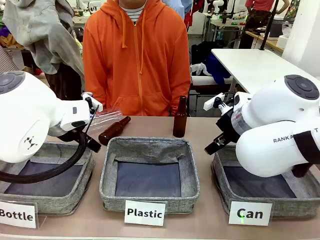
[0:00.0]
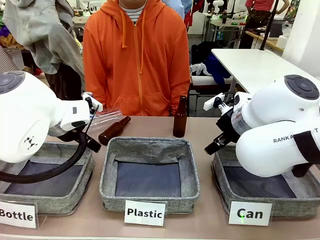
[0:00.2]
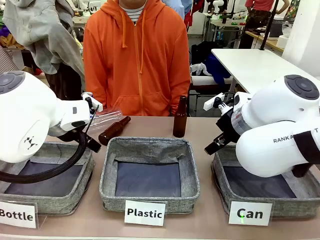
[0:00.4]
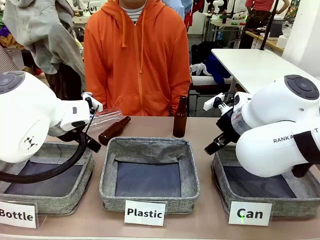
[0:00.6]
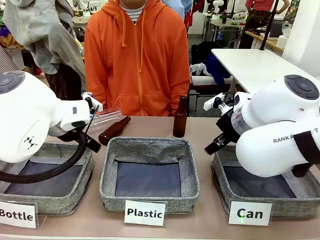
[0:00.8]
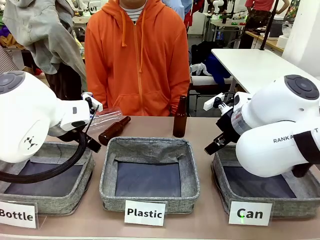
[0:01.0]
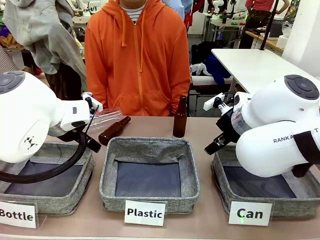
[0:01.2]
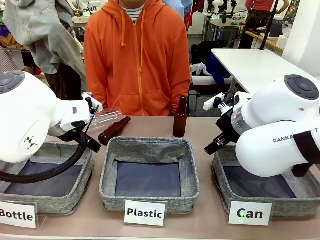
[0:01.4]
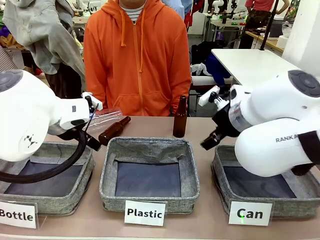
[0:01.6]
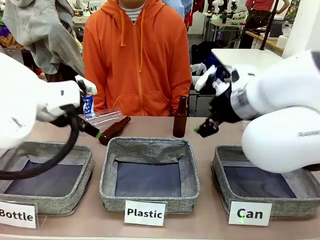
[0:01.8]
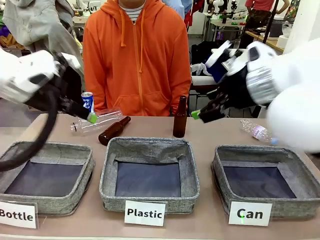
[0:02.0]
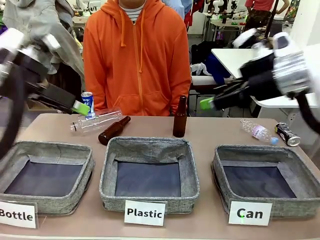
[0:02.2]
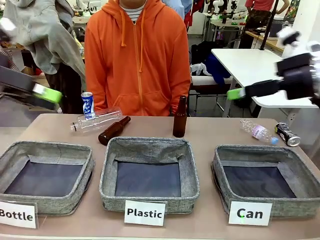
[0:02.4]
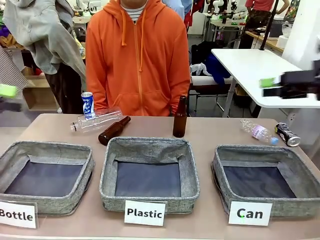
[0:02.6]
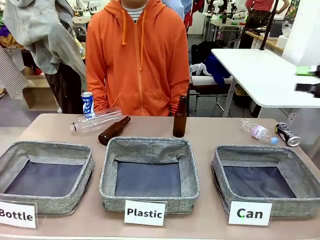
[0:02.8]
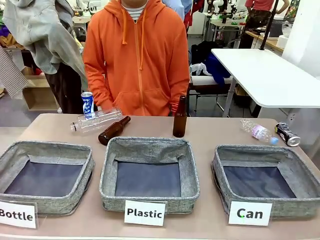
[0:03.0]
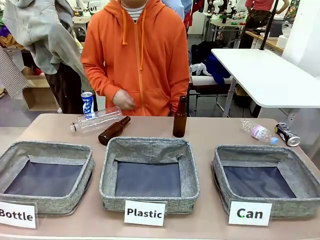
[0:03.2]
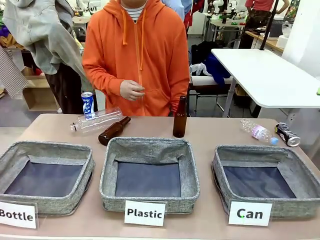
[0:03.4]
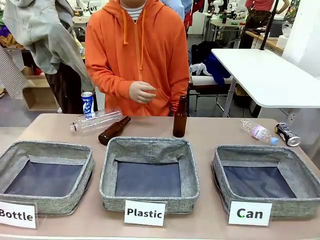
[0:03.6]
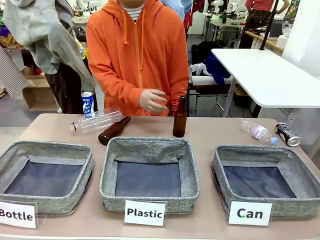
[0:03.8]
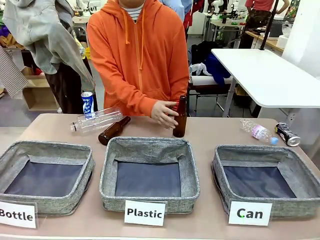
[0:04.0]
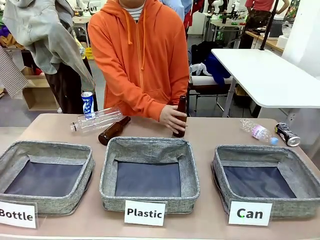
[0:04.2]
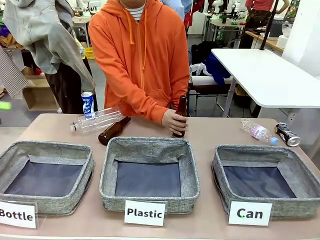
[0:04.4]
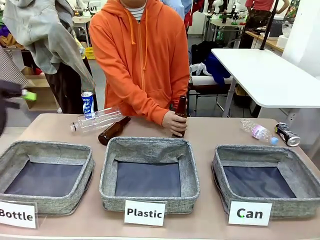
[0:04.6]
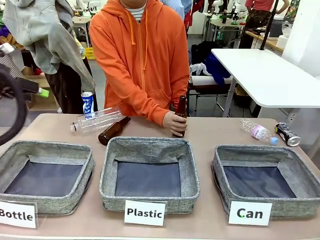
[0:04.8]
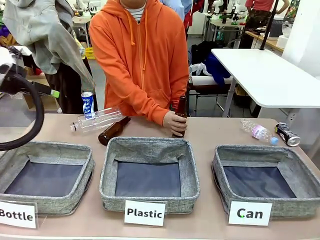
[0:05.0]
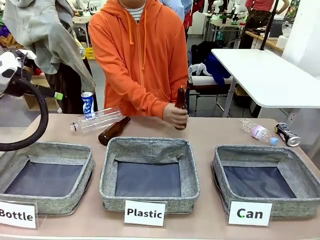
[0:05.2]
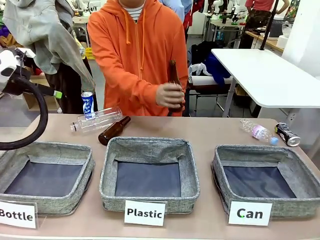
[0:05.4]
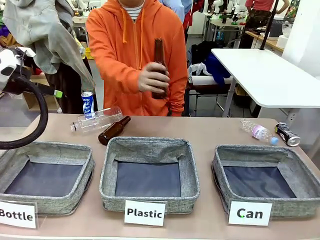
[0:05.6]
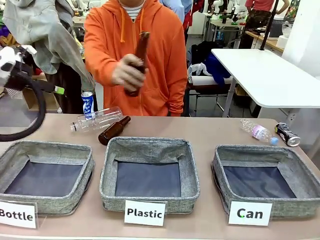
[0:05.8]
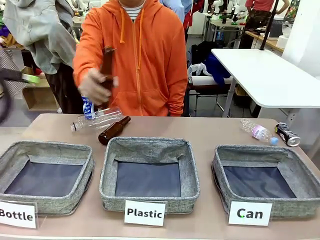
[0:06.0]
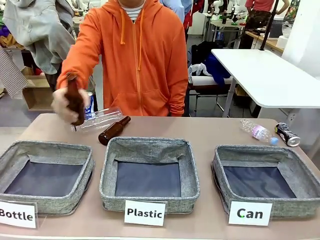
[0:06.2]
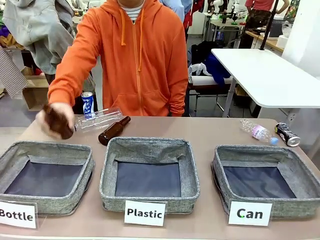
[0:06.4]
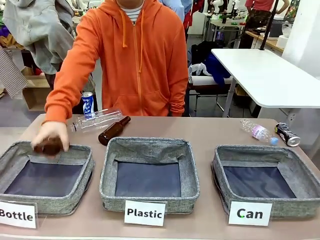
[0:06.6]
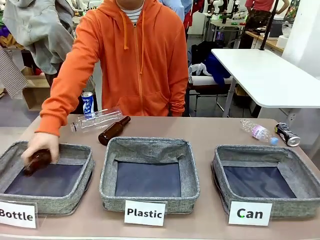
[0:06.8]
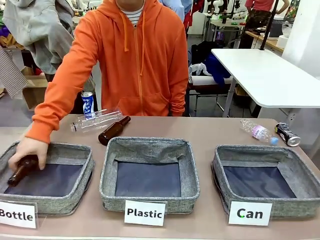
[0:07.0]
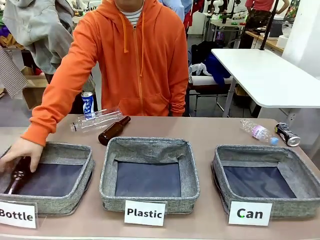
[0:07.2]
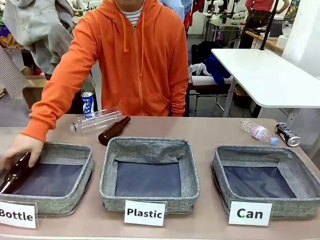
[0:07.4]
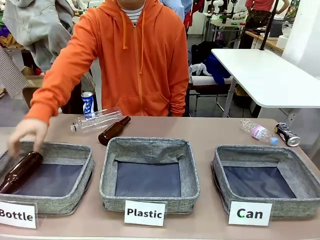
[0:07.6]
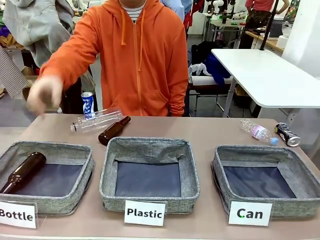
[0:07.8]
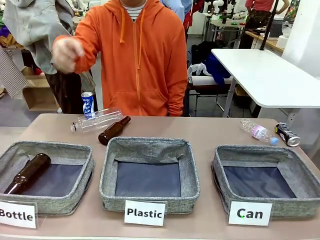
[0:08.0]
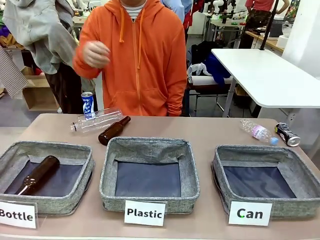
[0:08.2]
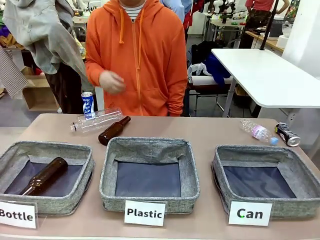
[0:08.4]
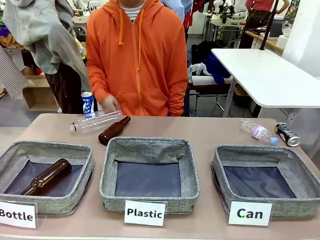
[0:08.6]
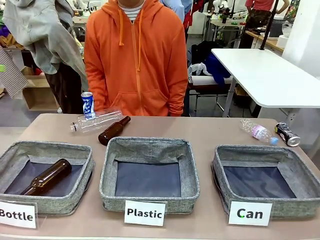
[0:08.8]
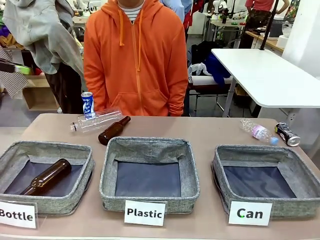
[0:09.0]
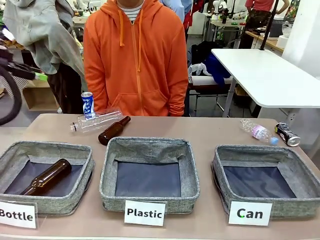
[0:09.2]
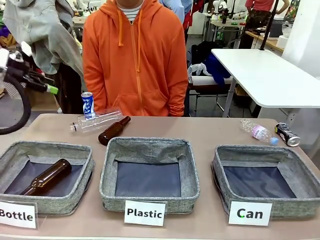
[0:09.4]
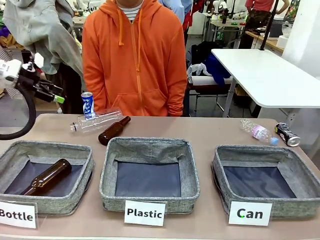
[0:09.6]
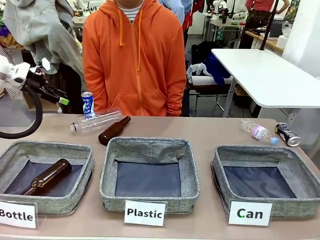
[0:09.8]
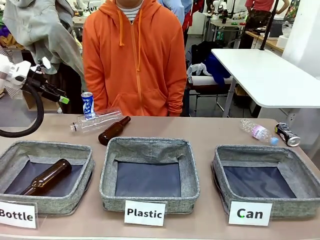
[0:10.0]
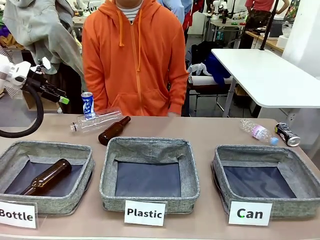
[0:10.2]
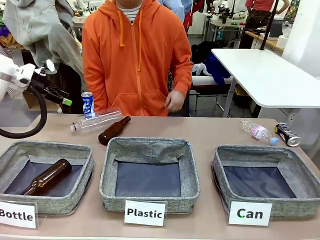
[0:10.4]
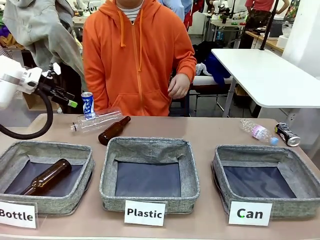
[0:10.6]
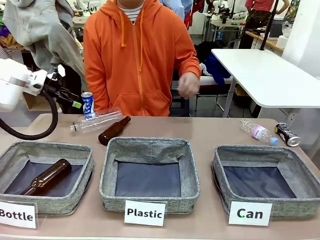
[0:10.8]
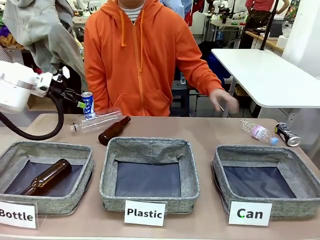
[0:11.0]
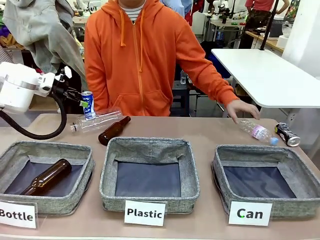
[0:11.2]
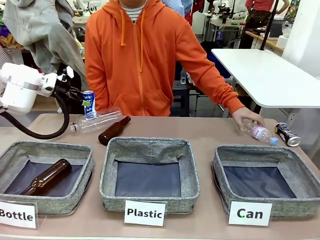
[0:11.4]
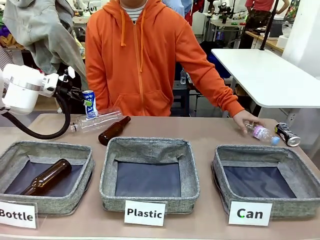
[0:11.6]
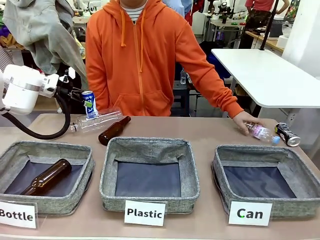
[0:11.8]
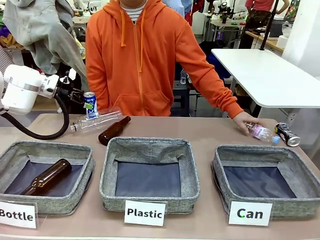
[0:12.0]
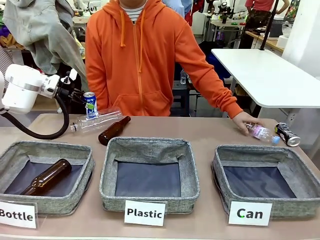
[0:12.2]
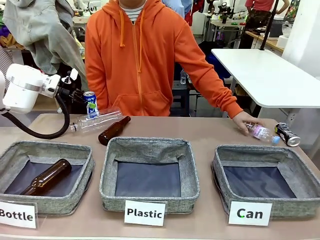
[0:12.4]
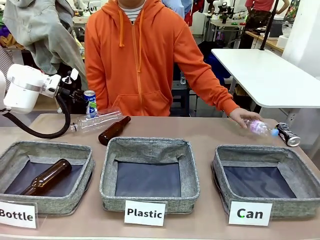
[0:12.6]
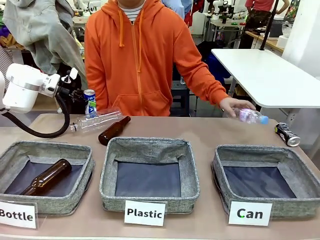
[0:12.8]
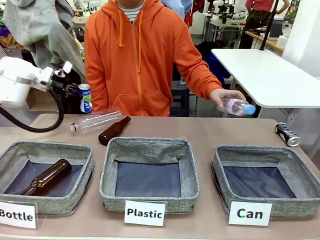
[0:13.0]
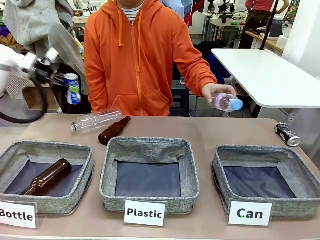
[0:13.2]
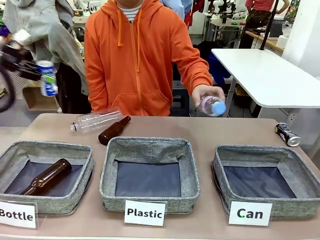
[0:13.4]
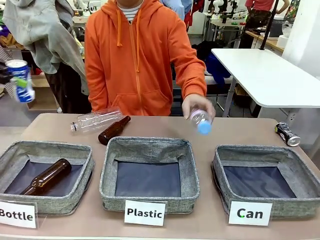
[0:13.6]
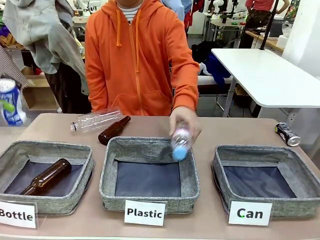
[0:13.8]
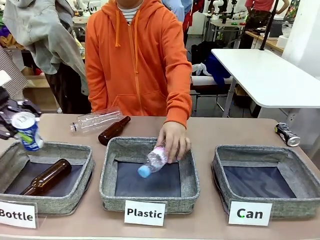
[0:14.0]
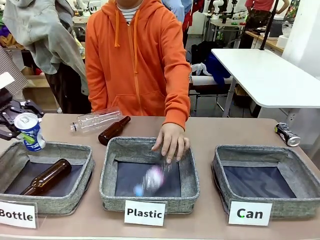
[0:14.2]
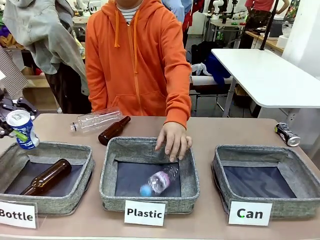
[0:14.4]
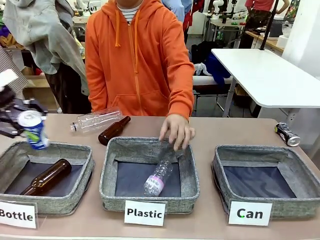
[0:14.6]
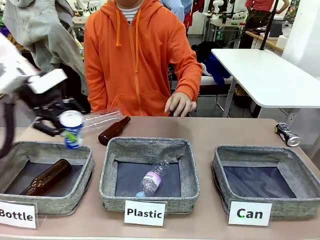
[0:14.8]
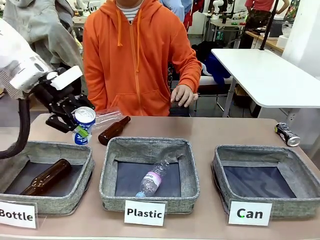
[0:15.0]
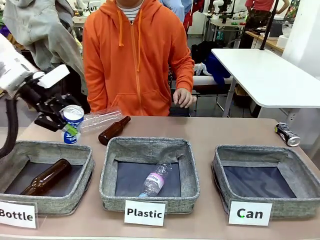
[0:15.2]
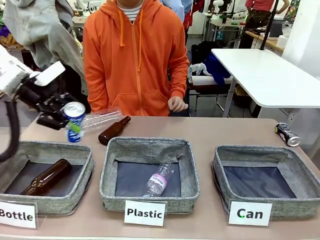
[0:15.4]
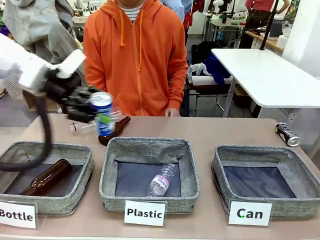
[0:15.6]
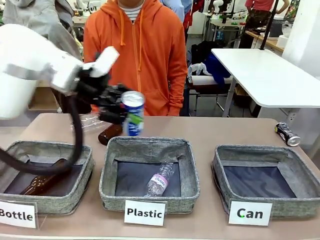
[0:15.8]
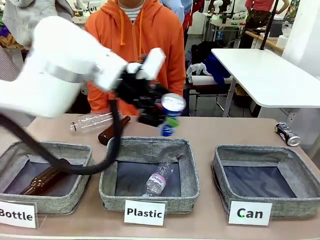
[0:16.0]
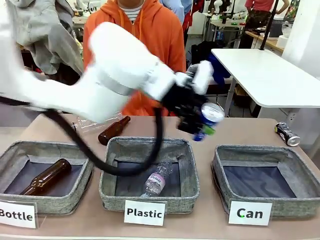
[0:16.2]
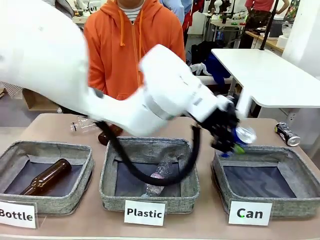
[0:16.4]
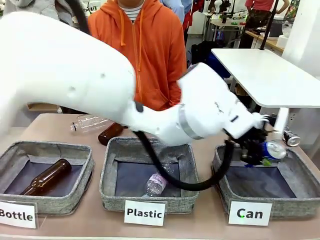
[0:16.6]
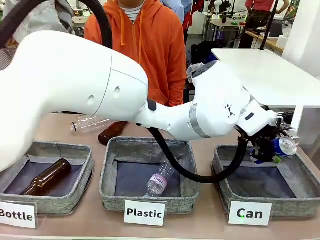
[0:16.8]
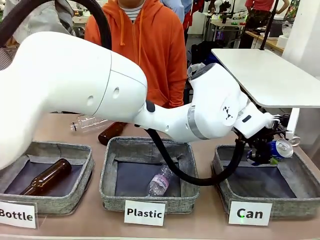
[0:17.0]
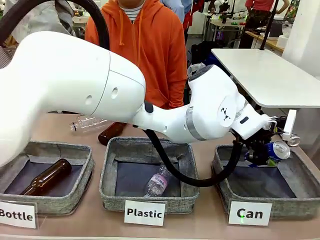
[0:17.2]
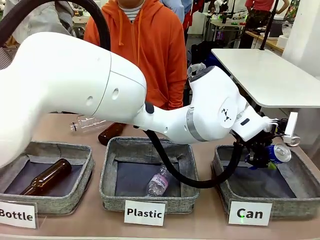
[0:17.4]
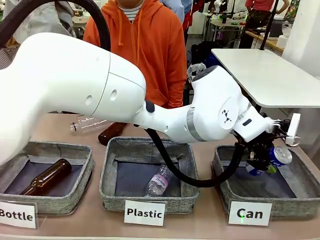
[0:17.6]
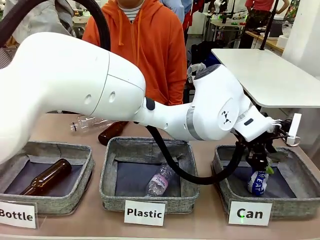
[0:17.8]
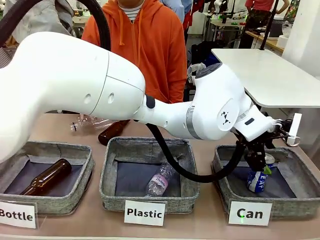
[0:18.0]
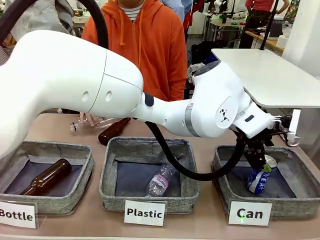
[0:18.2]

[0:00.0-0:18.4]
Task: Sort the can waste into the basket.
Robot: Pick up the can waste from the table and place it in the right Fabric basket.
